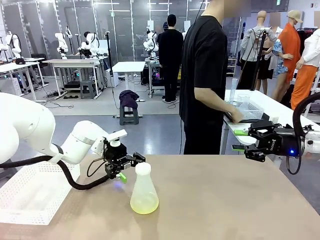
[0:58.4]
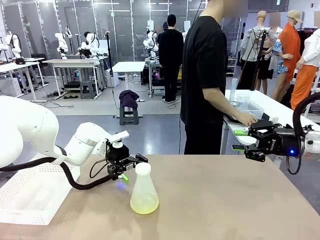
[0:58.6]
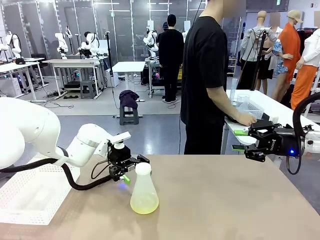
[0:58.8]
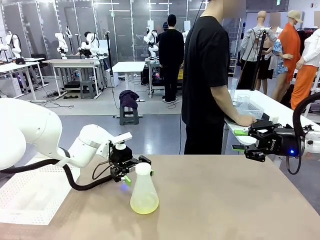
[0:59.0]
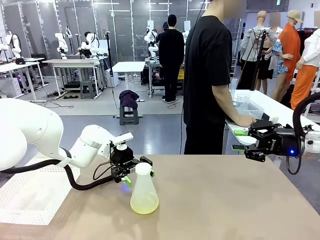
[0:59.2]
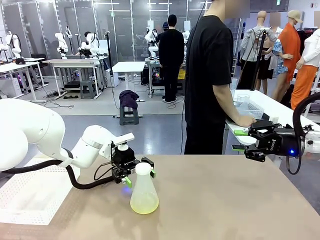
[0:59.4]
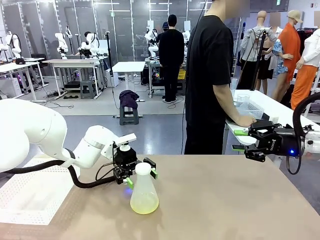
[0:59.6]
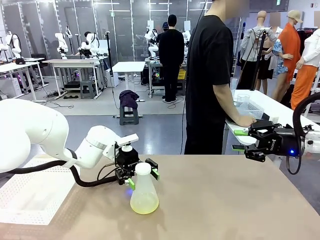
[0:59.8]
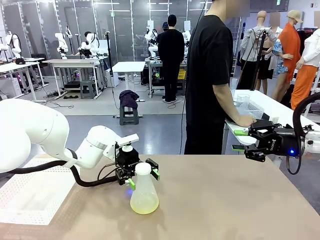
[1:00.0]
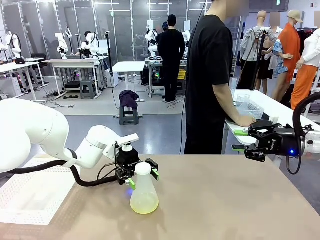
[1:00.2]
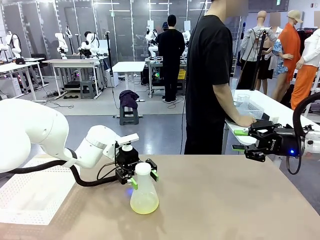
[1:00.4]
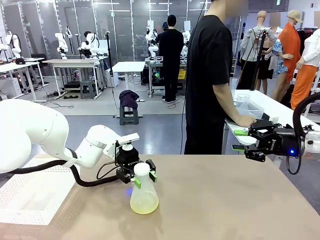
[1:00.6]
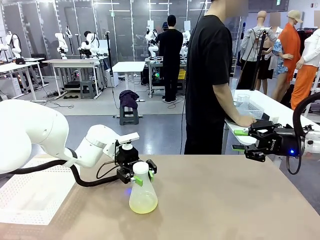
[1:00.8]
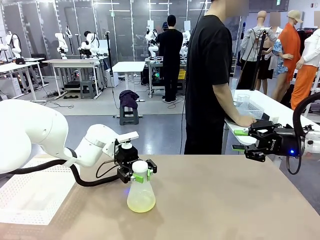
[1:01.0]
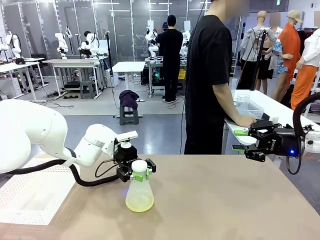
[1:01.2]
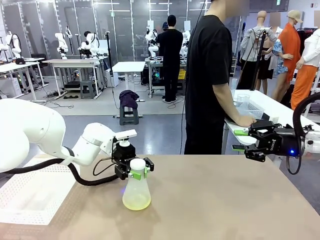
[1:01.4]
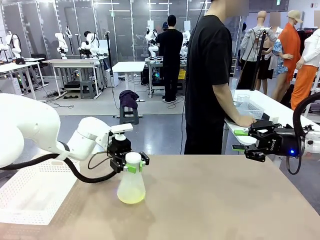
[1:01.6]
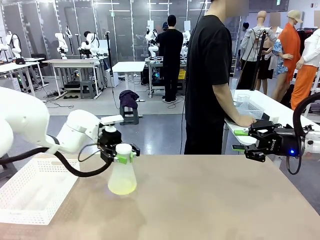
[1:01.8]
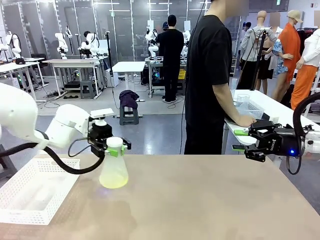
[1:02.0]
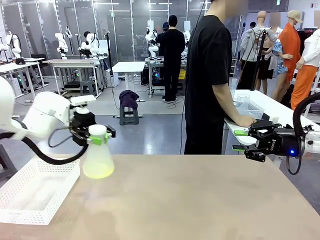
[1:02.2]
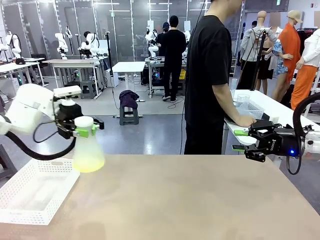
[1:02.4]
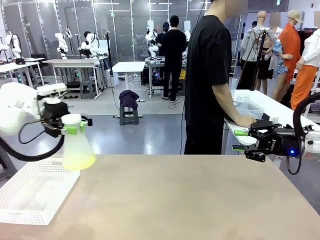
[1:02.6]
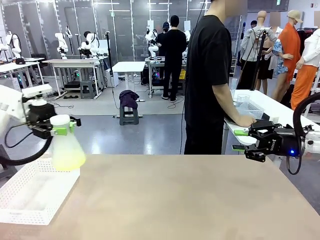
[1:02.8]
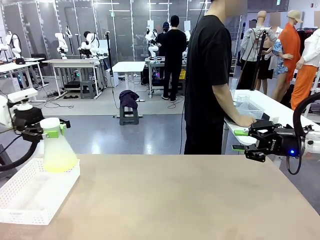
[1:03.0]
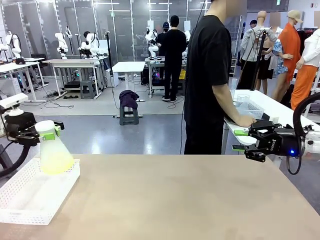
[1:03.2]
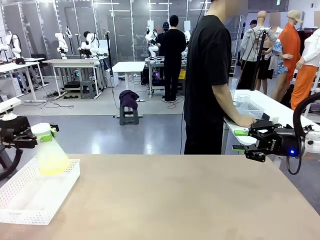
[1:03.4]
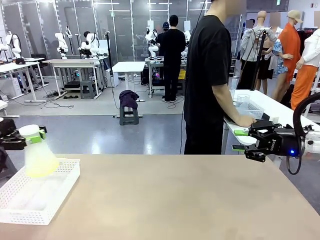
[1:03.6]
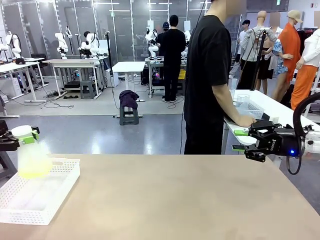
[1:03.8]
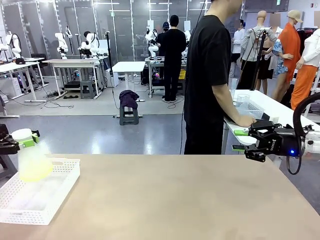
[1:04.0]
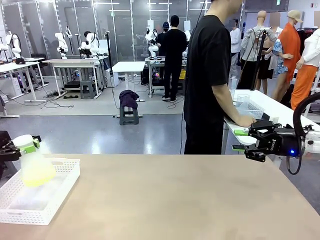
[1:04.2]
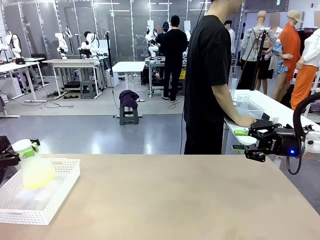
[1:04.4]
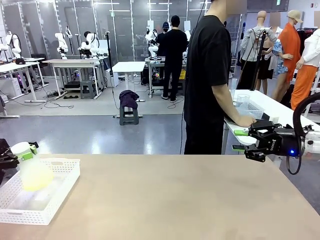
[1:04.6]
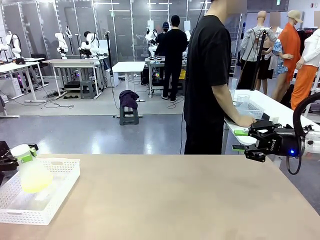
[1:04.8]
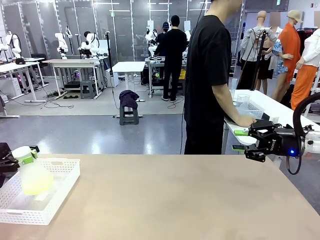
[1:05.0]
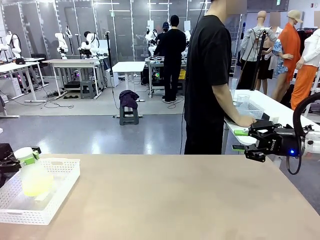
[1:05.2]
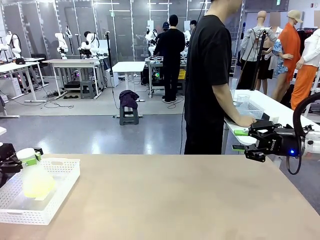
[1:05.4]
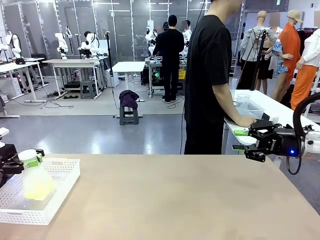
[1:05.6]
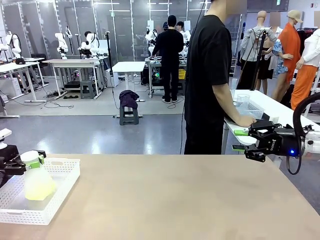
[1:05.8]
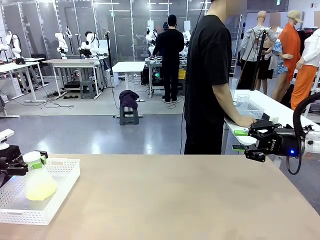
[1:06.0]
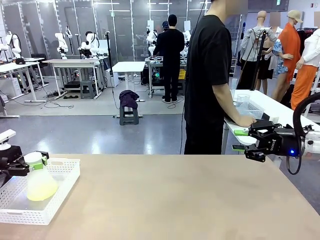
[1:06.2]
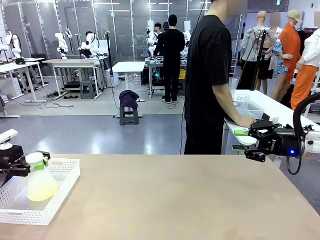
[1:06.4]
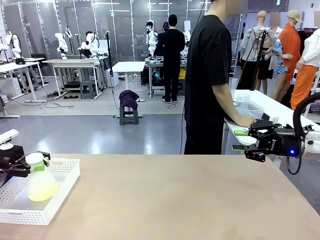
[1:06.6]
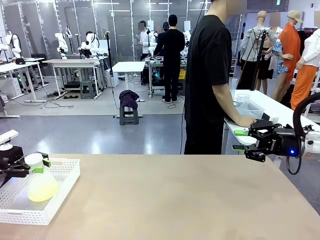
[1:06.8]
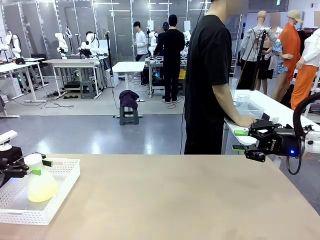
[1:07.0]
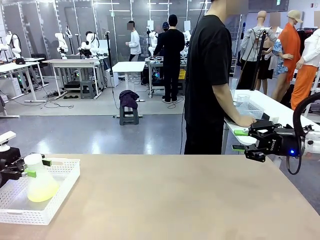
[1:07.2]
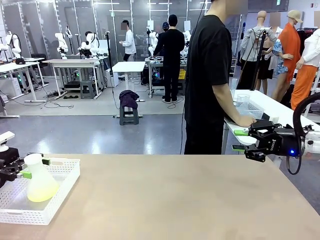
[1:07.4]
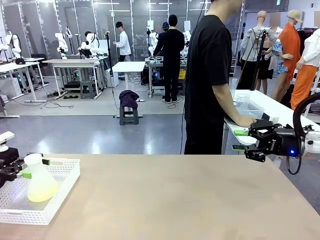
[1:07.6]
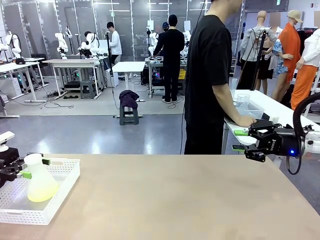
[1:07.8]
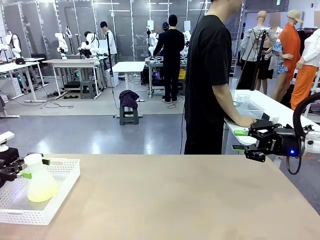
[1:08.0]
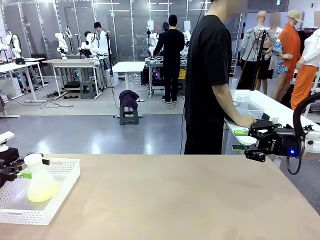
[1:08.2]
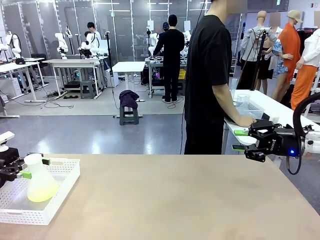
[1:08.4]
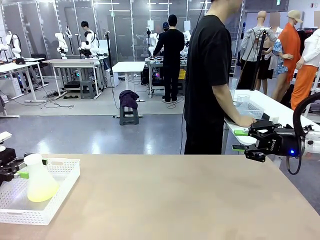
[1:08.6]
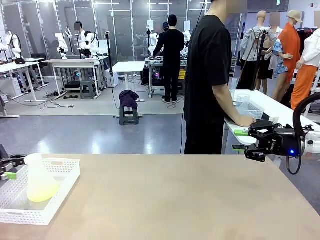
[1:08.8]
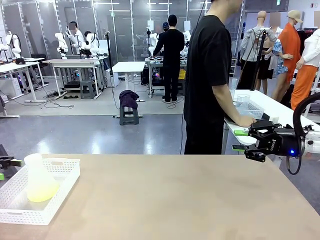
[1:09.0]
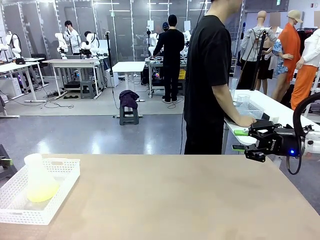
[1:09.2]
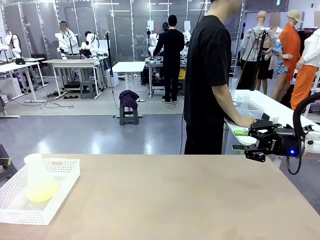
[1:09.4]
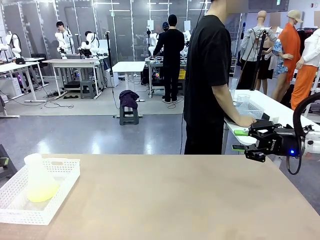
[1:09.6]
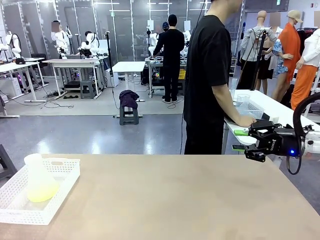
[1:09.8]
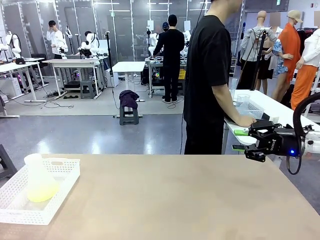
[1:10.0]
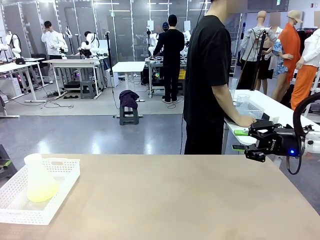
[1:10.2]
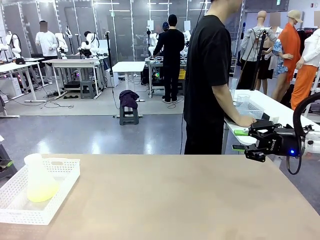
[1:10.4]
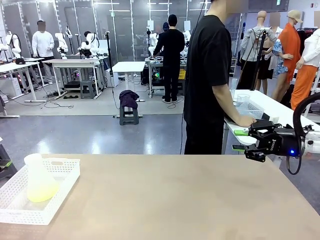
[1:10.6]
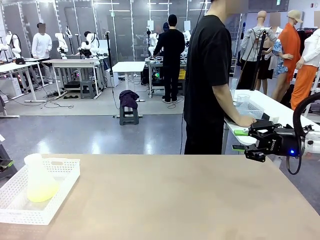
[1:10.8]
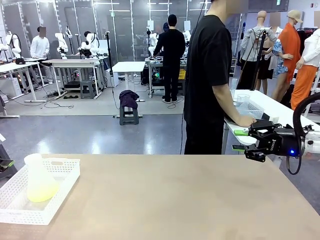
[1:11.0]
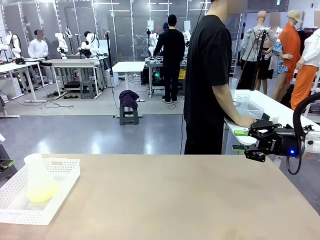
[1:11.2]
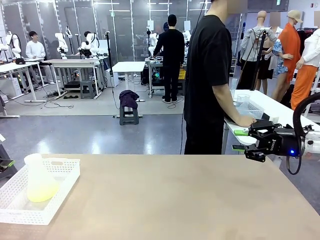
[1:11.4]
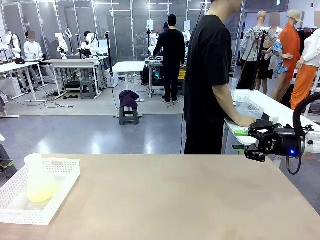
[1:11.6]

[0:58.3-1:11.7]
Task: Prepare the solutions needed for the experiment.
Robot: When the human places the Big flask in the center of the table, pick up the Big flask and place it in the left Organizing basket.
Person: Pick up the organizing basket on the left side of the robot table and place it on the left side of the human table.

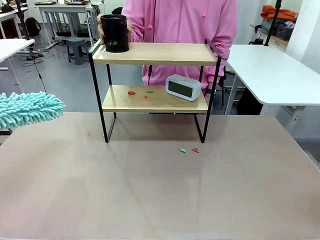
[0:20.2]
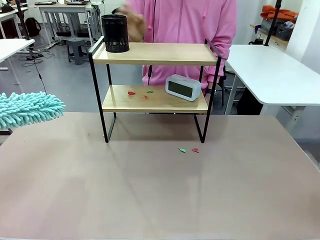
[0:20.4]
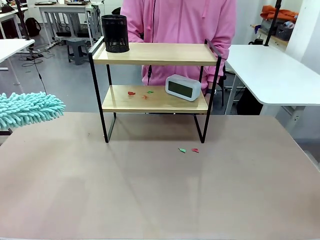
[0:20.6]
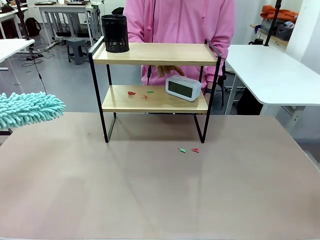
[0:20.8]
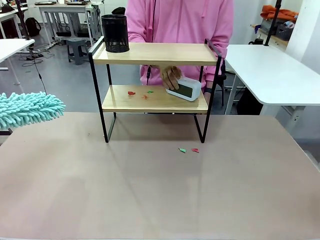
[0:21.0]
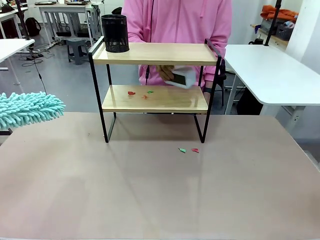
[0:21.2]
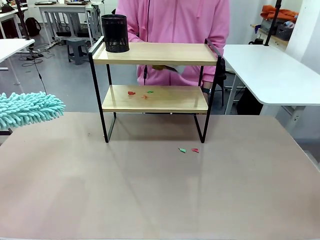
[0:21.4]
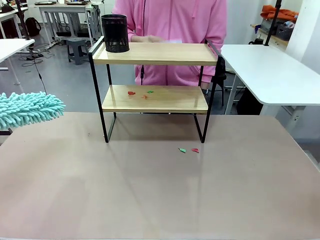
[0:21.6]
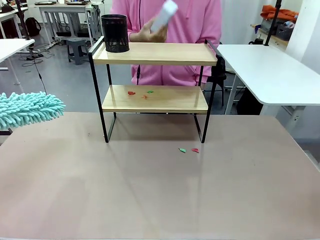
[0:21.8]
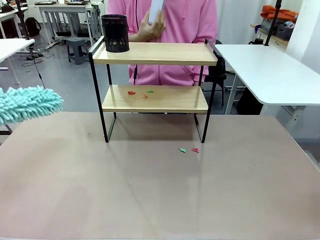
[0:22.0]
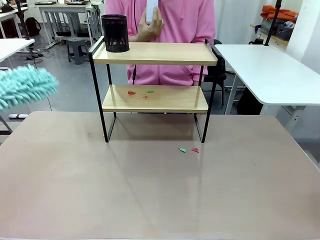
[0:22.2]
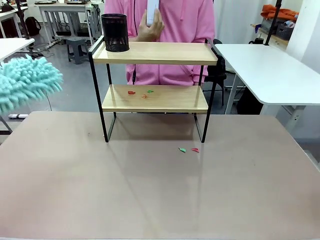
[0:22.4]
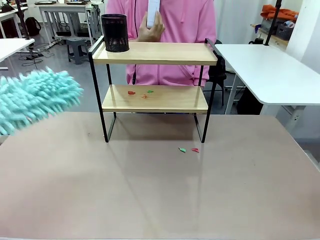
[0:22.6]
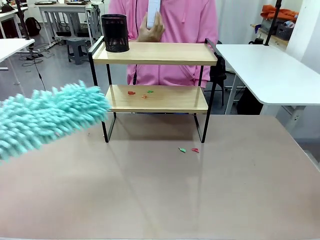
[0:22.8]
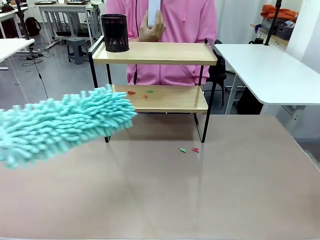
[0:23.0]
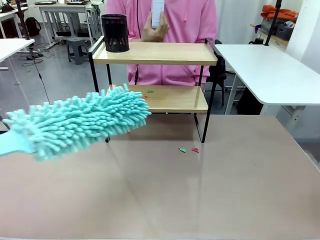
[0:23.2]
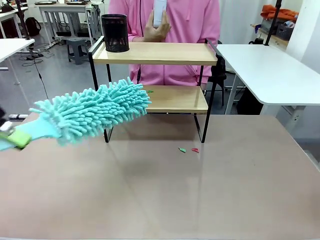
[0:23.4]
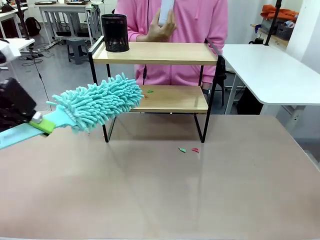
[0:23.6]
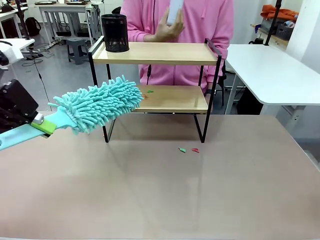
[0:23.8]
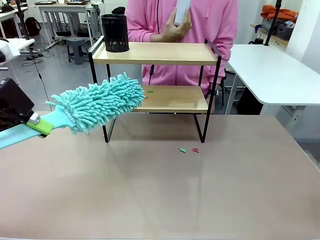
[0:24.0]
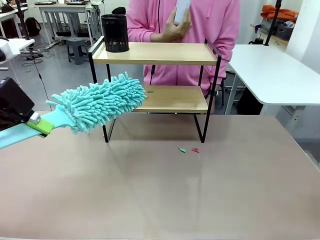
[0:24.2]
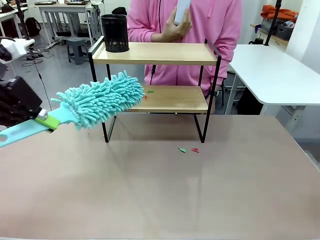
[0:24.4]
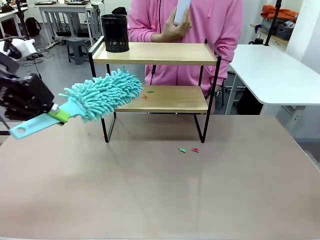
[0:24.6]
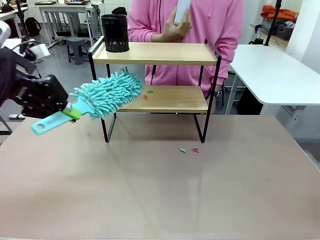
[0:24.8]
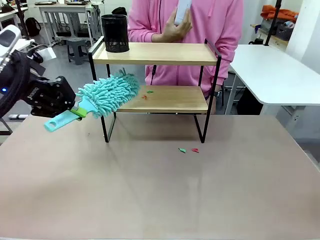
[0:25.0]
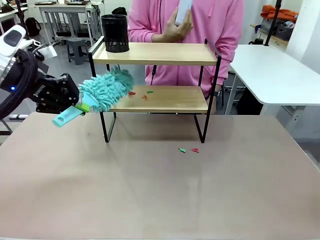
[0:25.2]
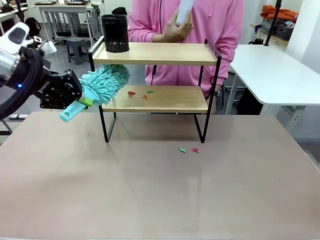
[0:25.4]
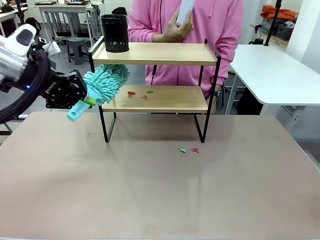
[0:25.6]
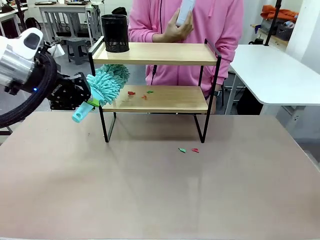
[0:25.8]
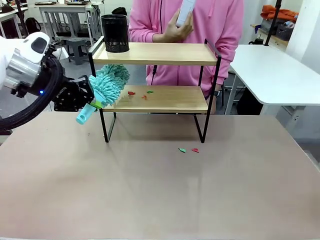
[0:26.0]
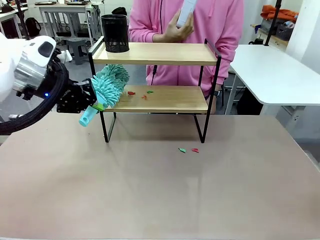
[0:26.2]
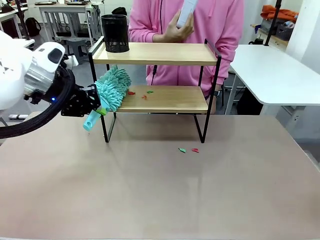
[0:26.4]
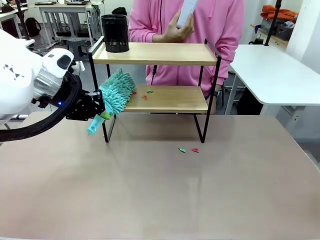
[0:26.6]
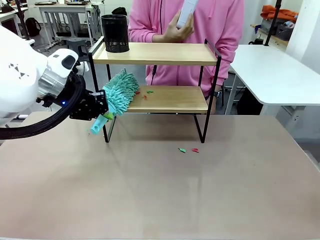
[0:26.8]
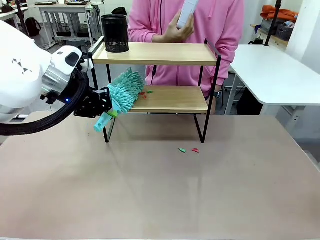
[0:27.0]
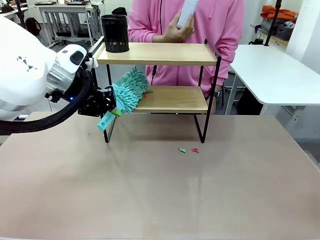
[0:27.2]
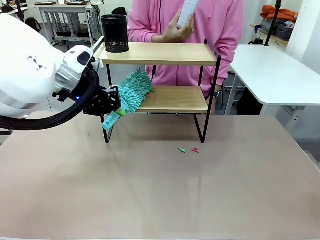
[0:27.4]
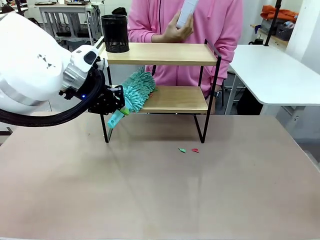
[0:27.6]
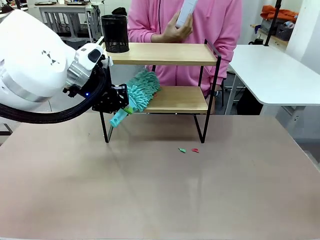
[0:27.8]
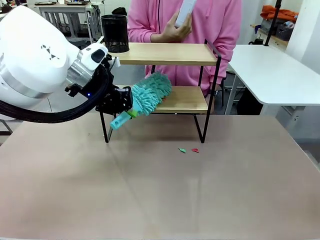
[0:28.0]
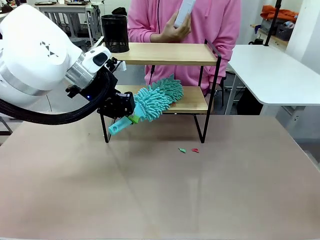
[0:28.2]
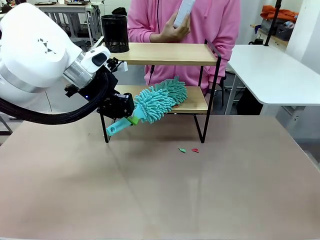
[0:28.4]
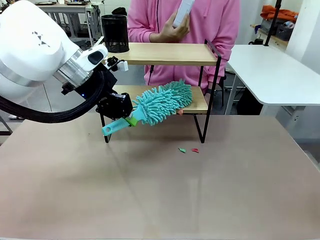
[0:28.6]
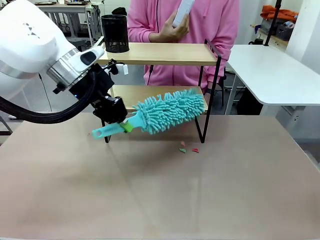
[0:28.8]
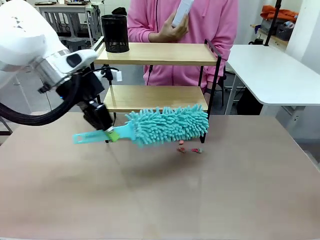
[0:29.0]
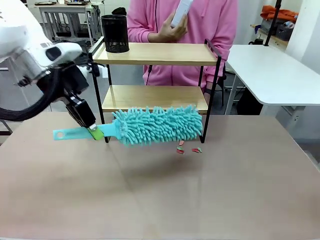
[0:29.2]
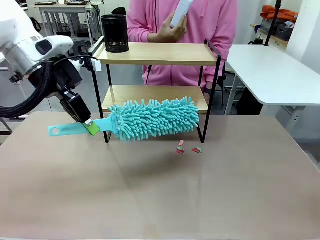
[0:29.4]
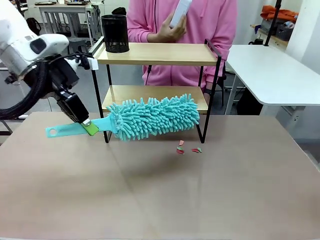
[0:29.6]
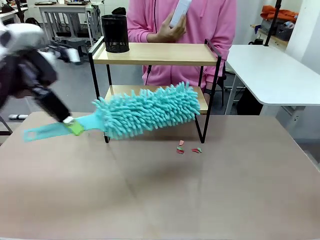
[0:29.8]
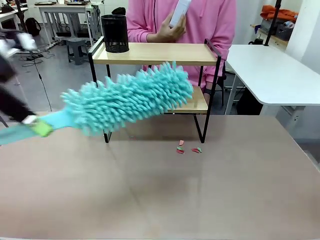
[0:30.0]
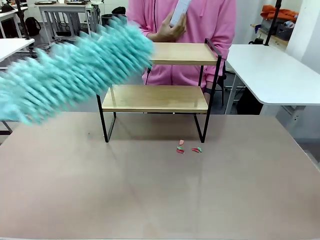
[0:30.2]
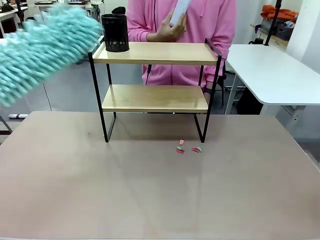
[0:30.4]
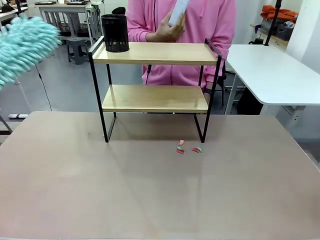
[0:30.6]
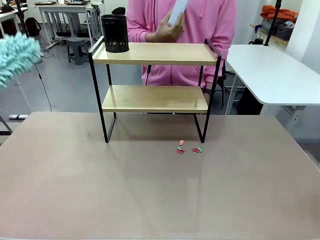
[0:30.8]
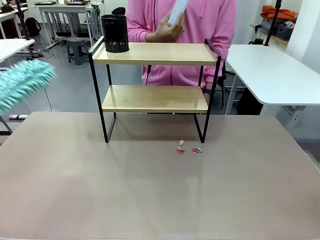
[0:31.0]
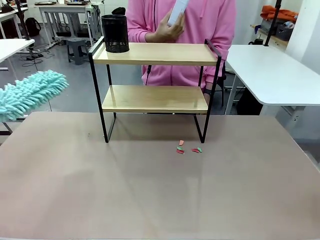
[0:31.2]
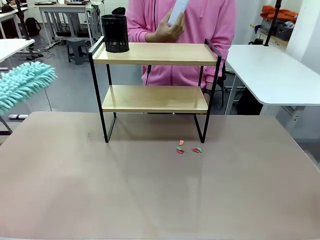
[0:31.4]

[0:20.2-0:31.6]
Task: Clean the shelf.
Robot: Clean the remaining tier of the Shelf with the Duster once objects are removed.
